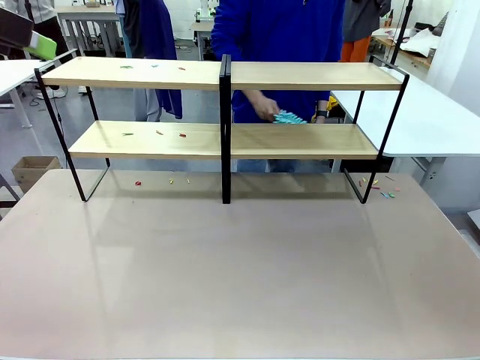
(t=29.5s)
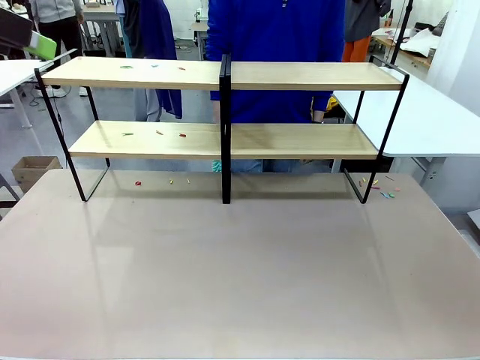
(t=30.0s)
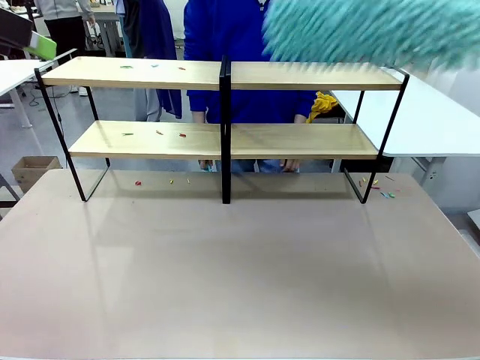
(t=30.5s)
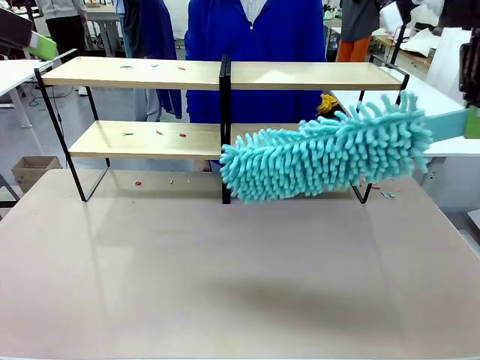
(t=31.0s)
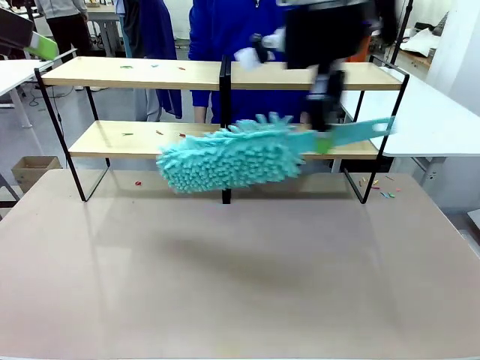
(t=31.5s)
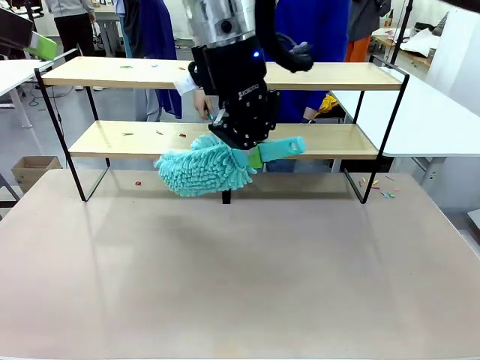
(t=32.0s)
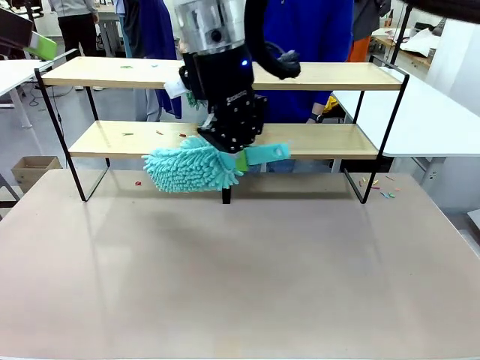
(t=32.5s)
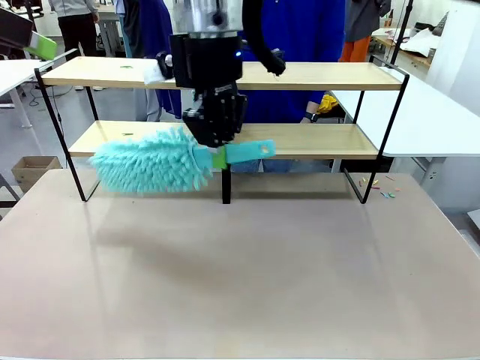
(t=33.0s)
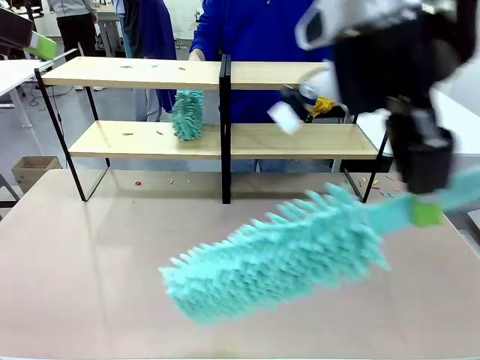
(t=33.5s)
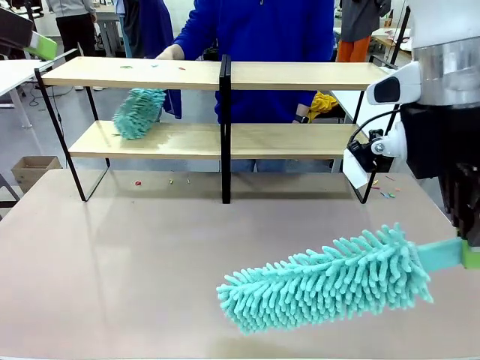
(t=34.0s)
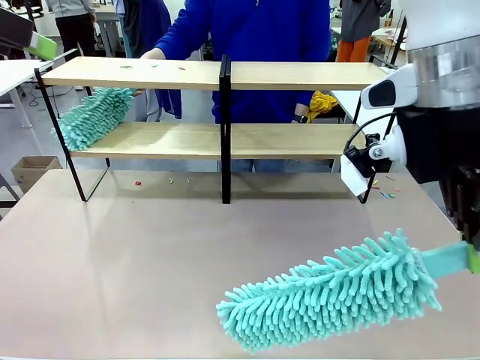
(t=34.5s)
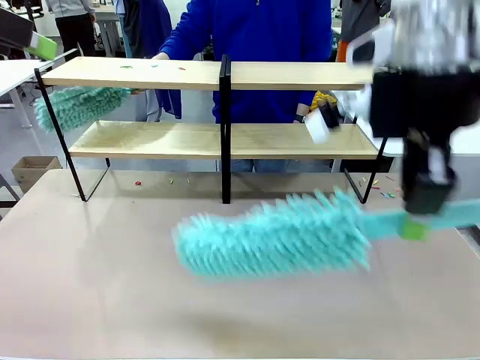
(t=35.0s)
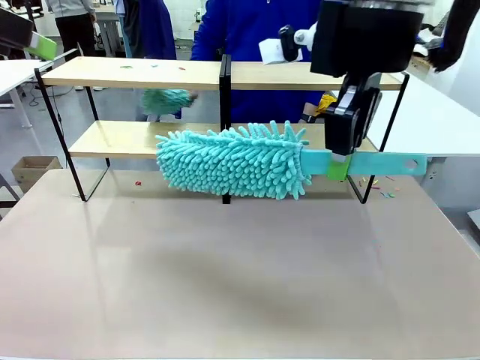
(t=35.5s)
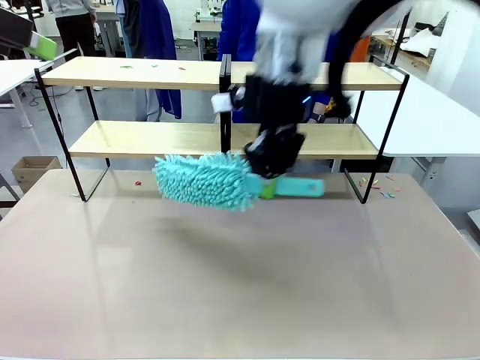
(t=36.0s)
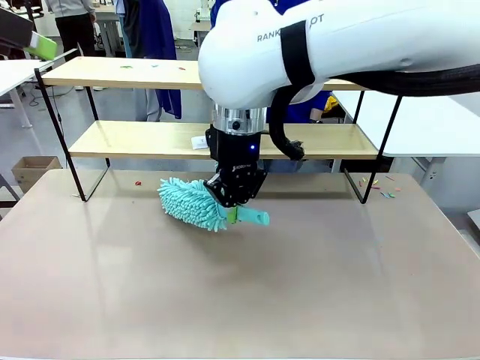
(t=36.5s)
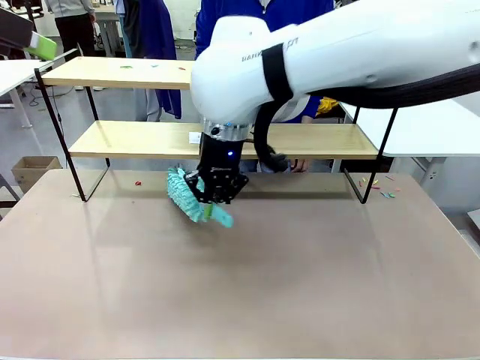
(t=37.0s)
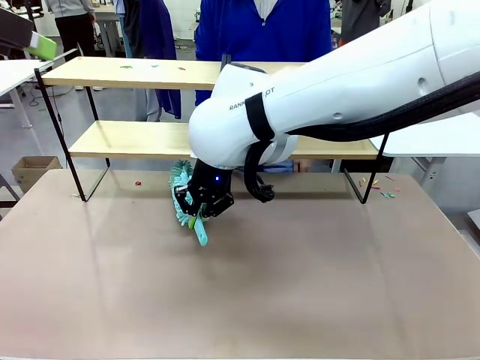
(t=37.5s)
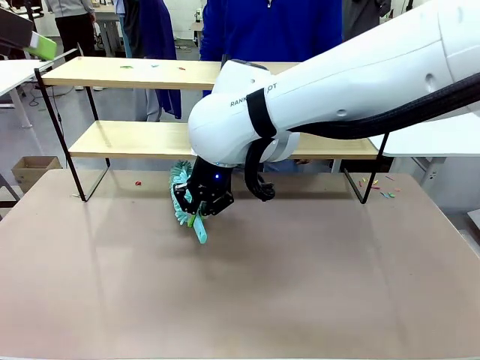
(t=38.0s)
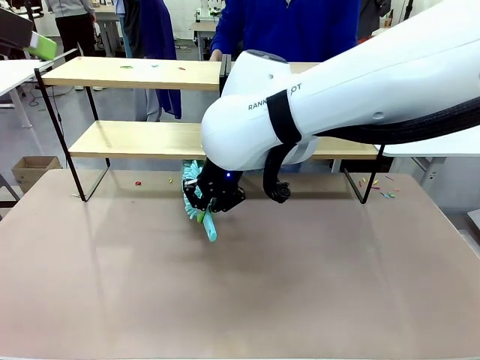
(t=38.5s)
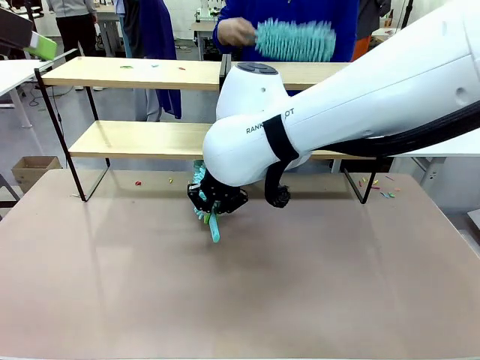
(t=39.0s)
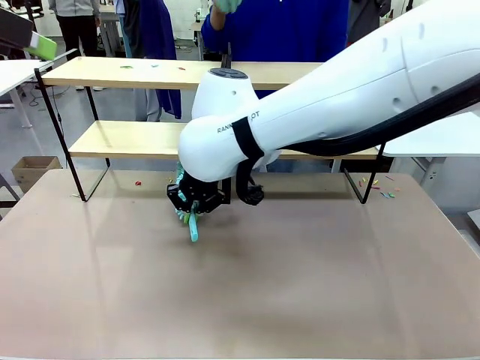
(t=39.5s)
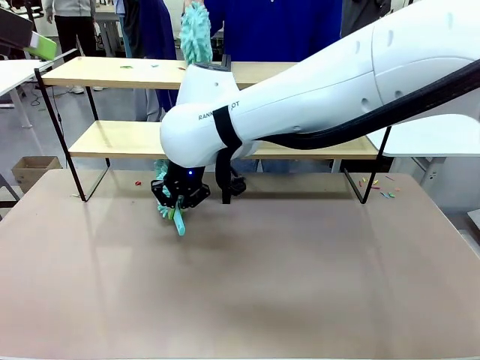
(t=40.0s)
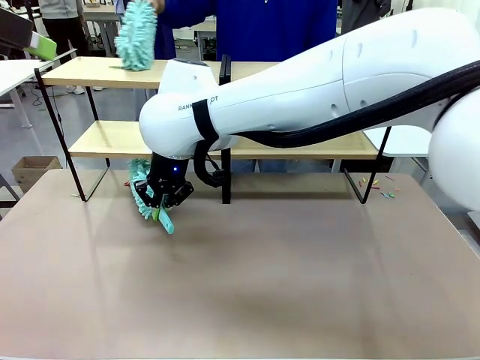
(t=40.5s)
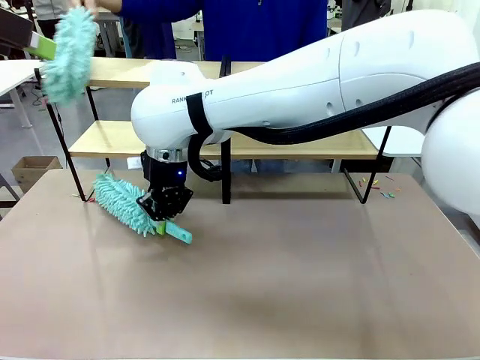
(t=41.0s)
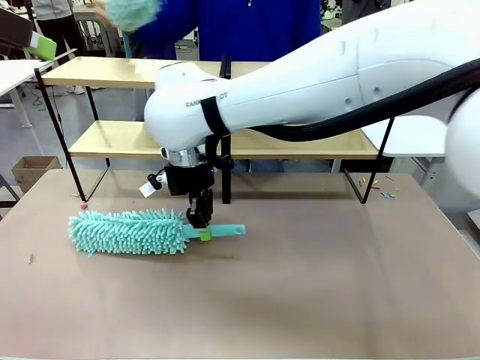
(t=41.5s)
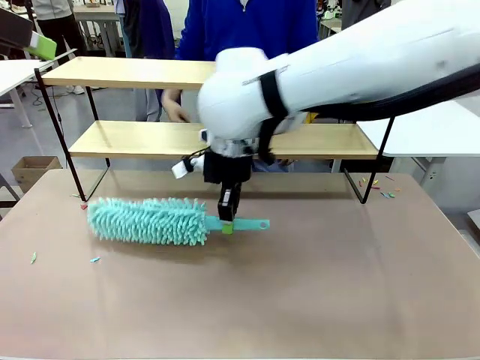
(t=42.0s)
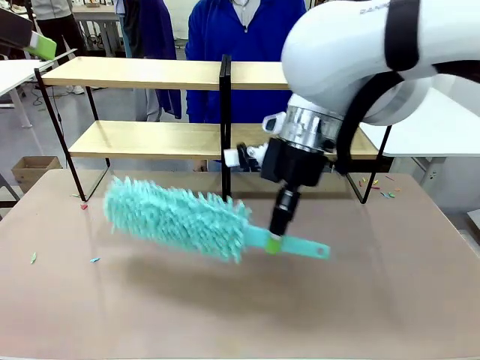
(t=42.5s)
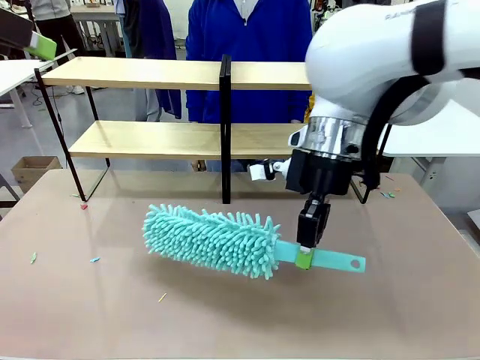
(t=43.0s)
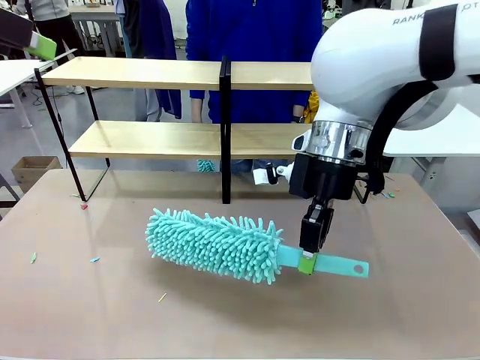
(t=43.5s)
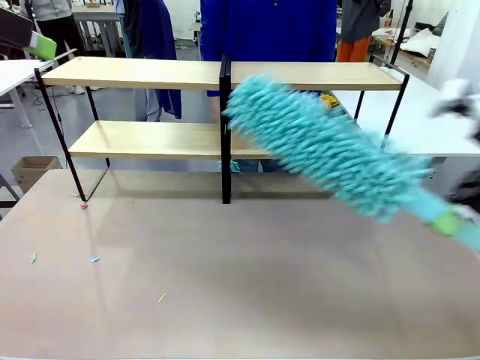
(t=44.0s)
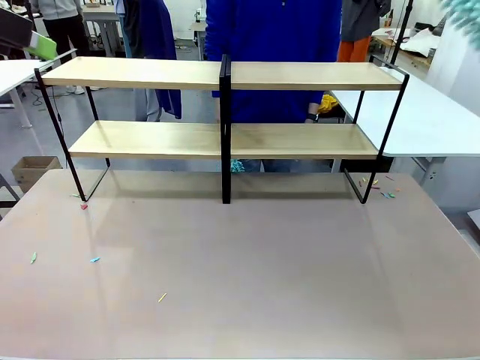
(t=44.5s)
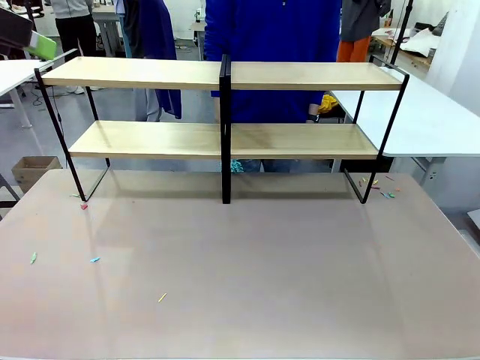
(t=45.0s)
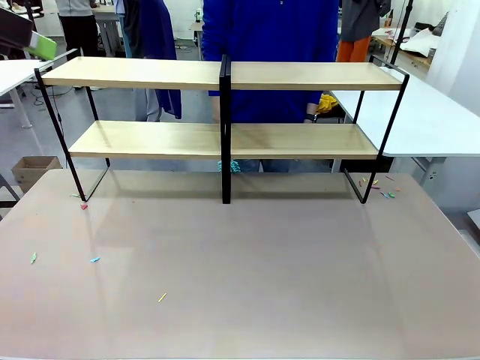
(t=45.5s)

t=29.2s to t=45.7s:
Task: Clean the shelves.
Robot: Clean another randomly selected level of the Shelf with the Duster.

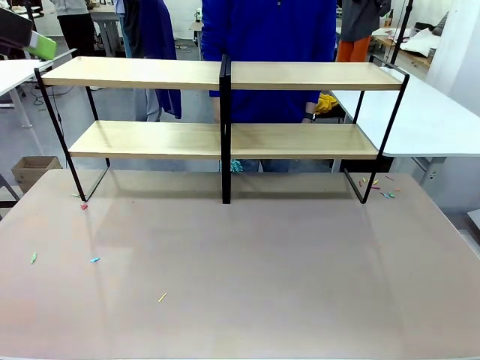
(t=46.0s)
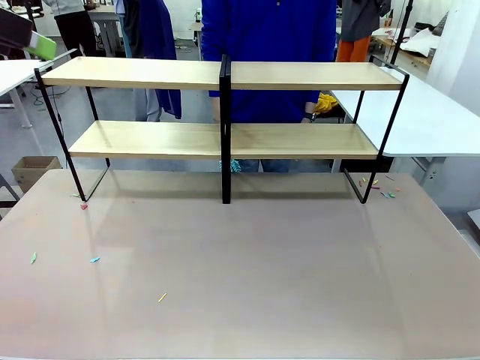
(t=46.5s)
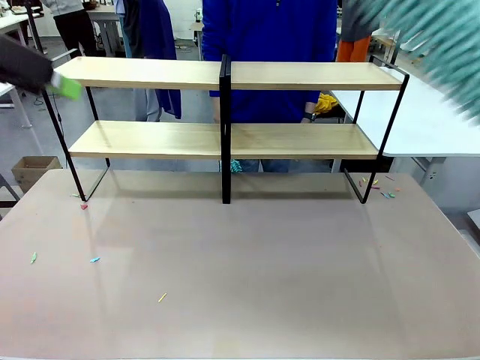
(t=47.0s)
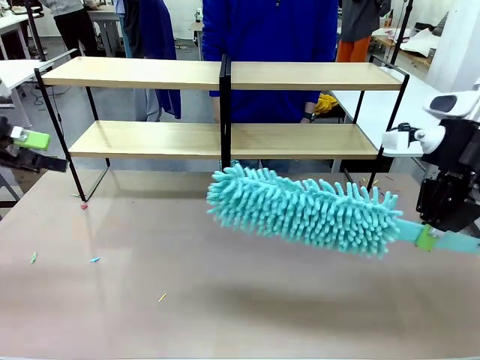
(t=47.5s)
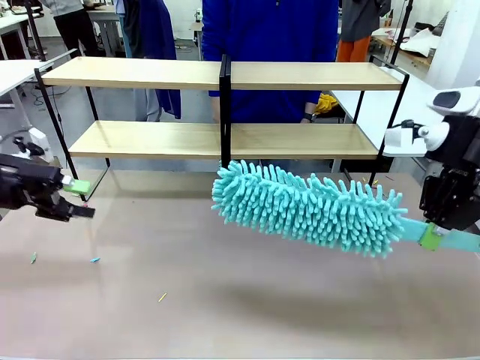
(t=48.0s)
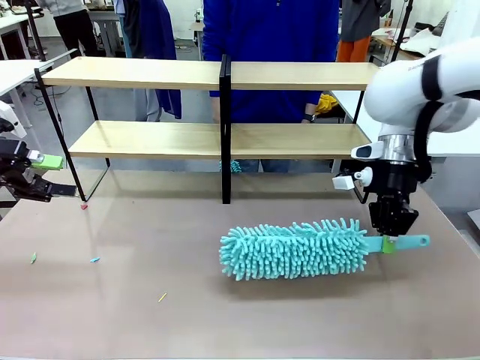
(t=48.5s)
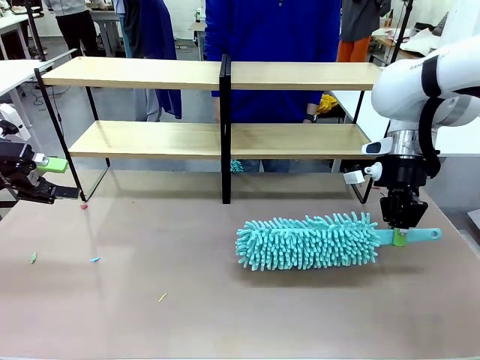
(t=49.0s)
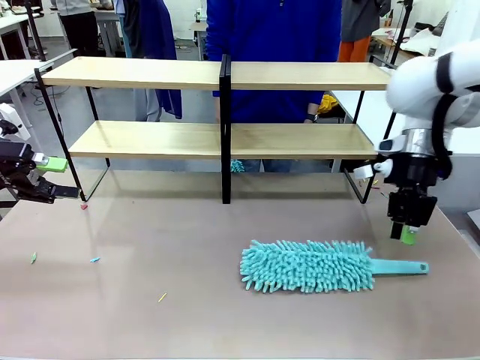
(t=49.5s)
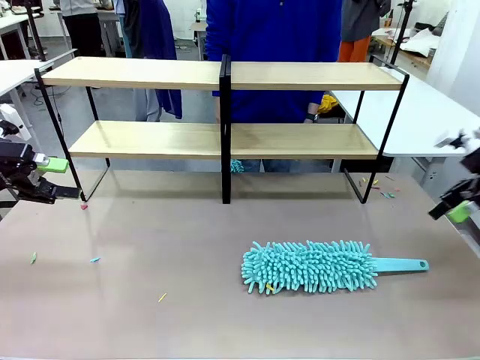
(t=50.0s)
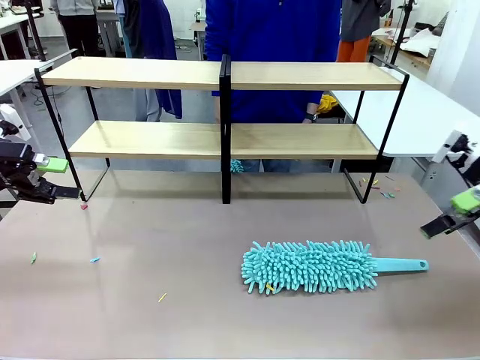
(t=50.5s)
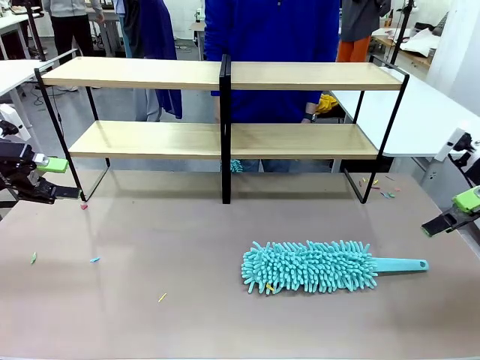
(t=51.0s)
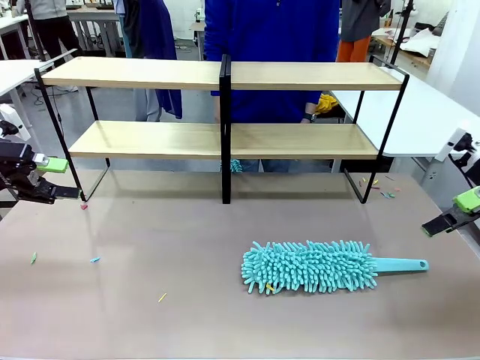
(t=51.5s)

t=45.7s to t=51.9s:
Robot: Place the Duster on the table.
